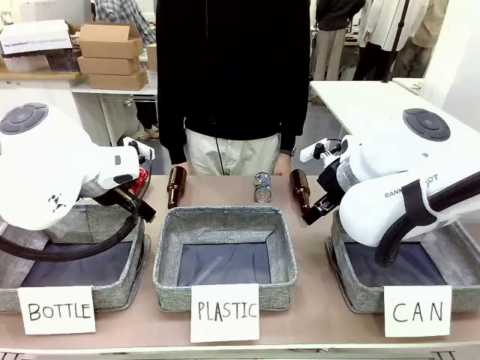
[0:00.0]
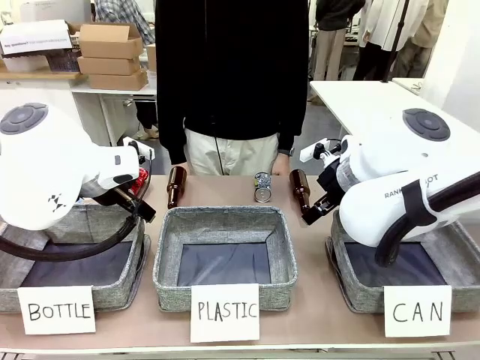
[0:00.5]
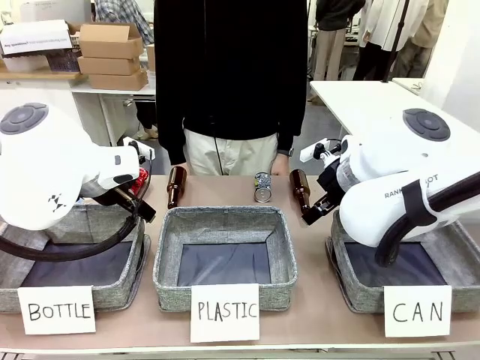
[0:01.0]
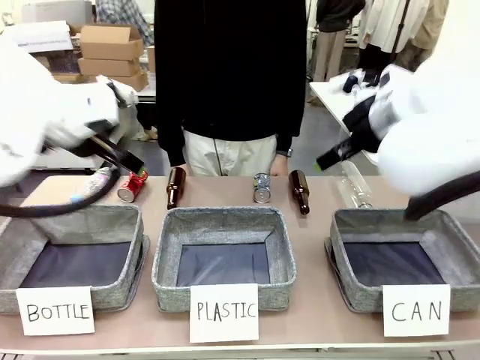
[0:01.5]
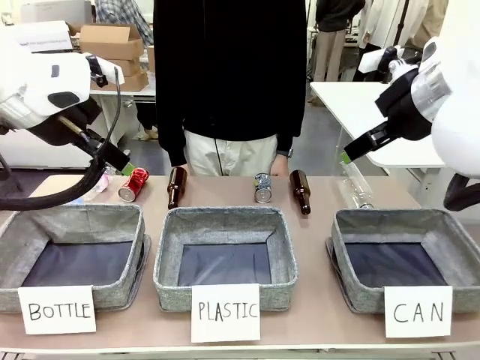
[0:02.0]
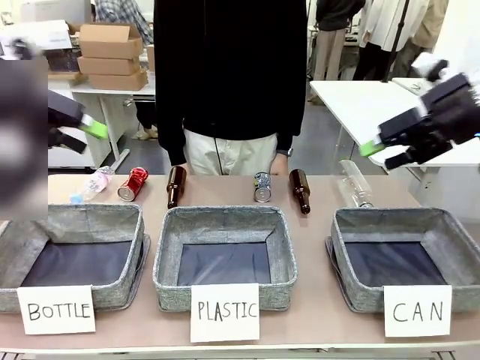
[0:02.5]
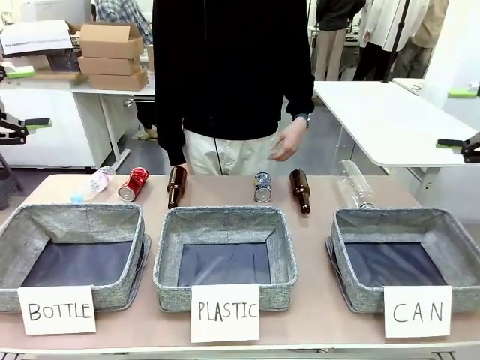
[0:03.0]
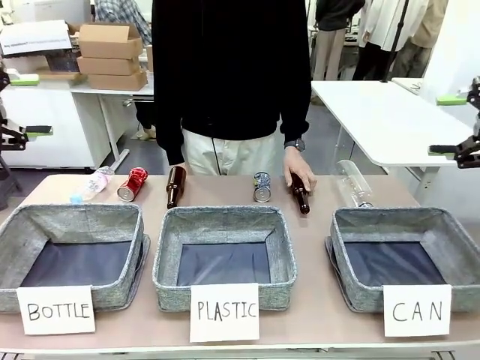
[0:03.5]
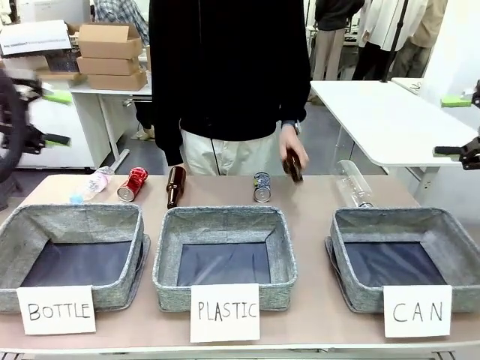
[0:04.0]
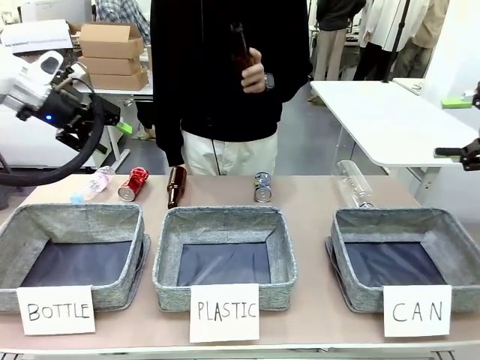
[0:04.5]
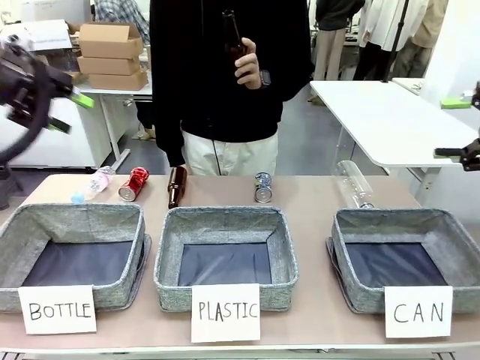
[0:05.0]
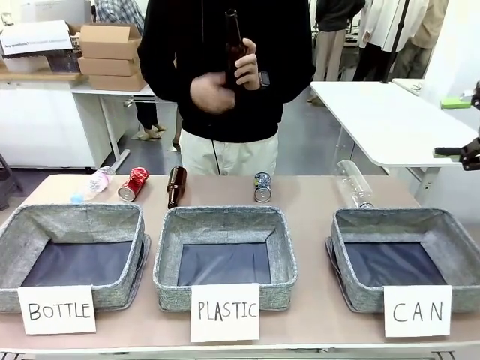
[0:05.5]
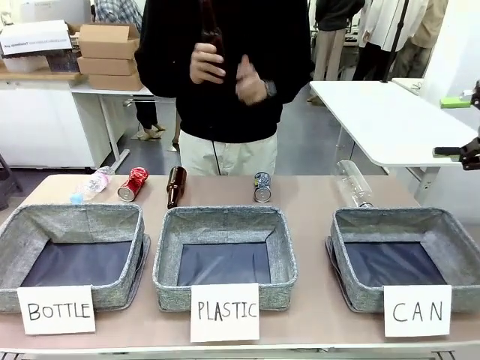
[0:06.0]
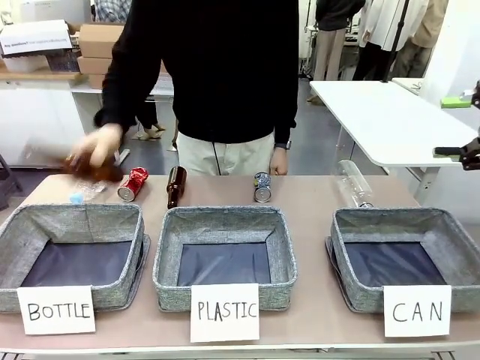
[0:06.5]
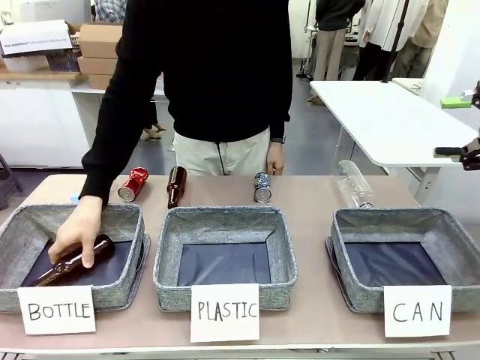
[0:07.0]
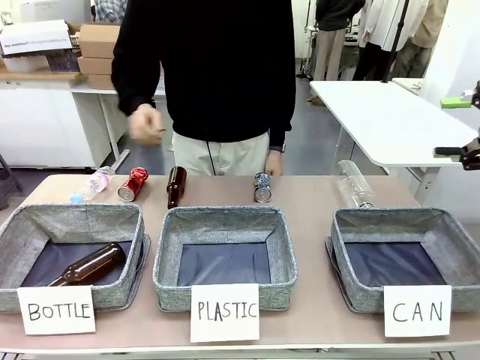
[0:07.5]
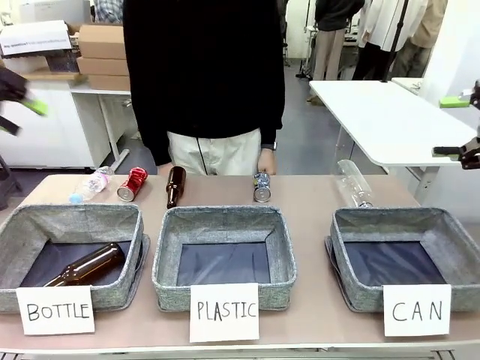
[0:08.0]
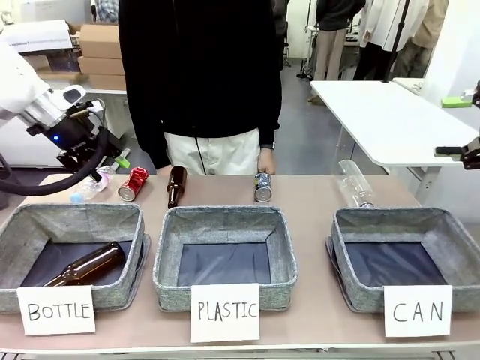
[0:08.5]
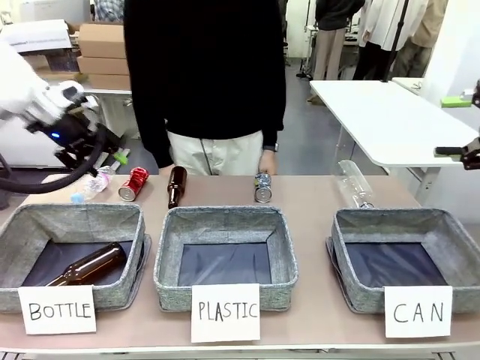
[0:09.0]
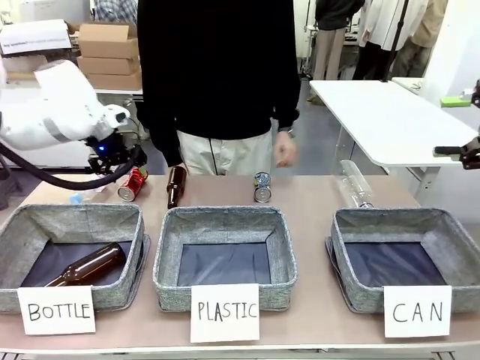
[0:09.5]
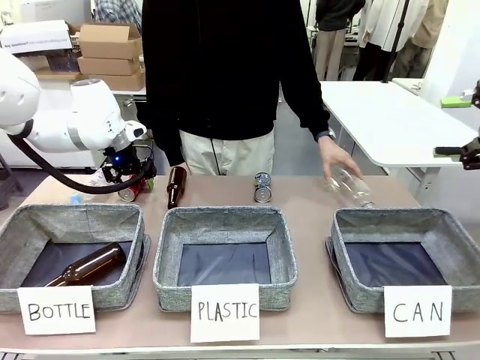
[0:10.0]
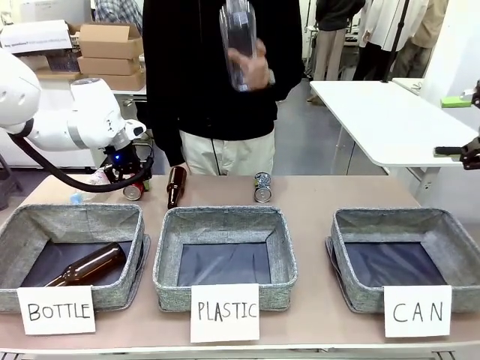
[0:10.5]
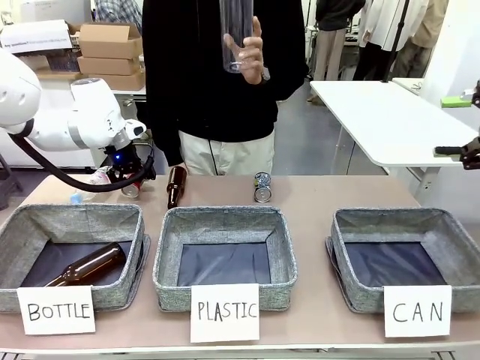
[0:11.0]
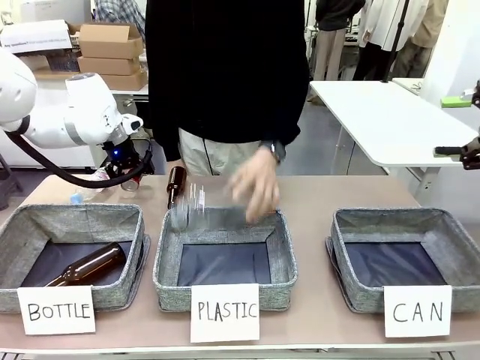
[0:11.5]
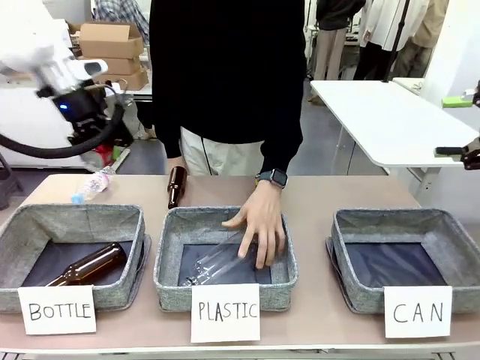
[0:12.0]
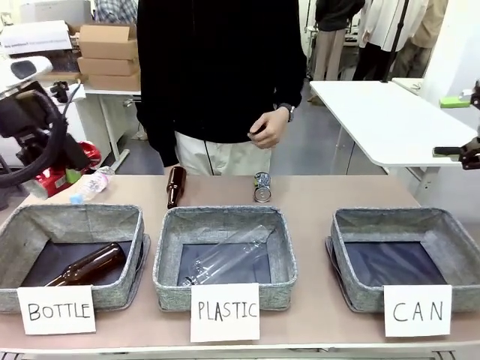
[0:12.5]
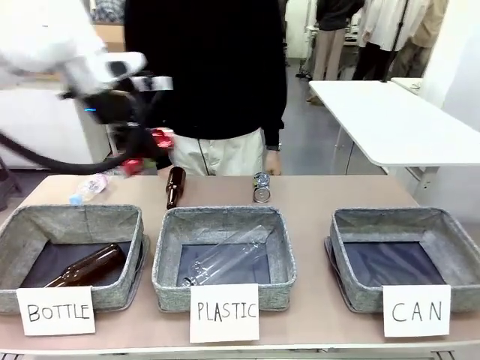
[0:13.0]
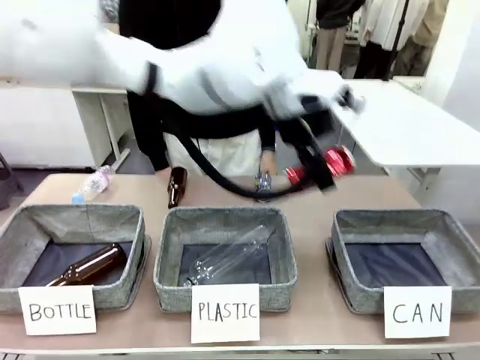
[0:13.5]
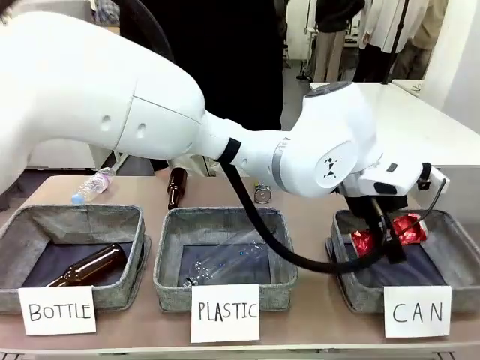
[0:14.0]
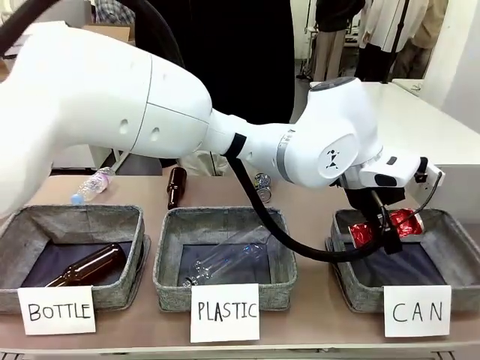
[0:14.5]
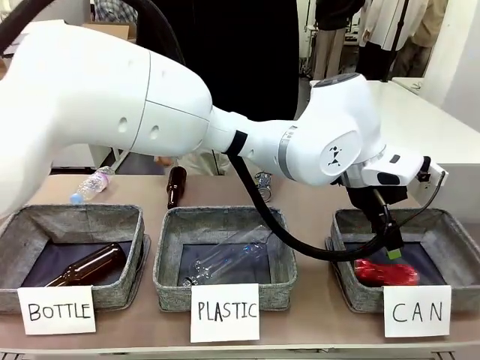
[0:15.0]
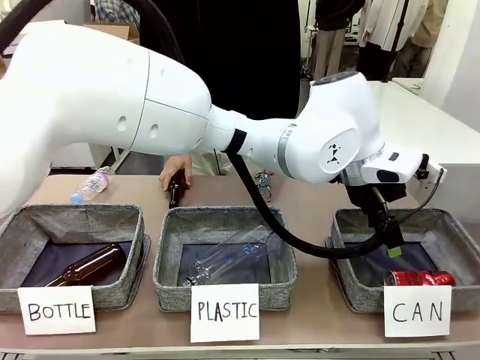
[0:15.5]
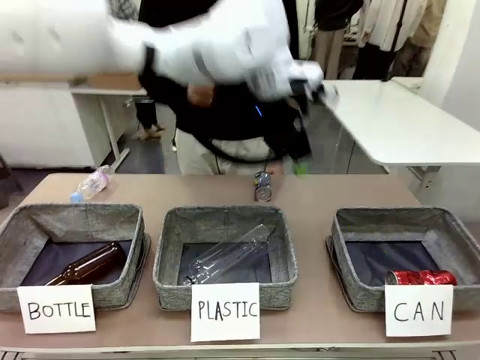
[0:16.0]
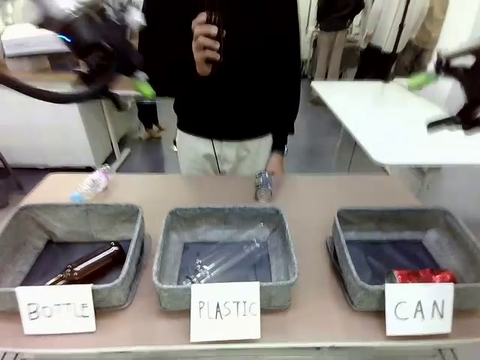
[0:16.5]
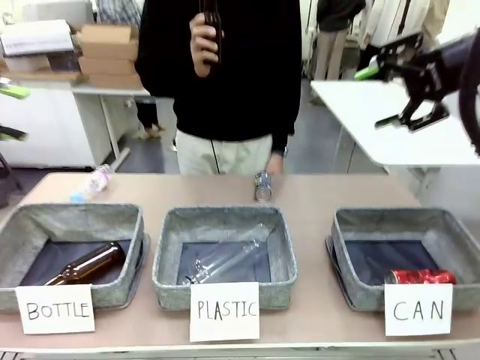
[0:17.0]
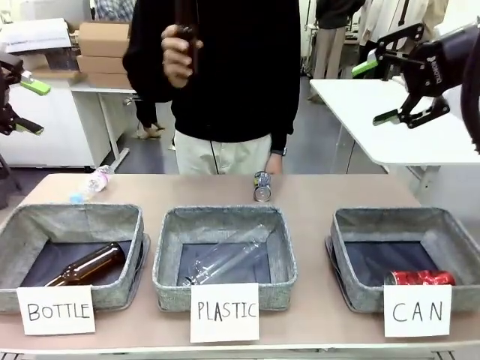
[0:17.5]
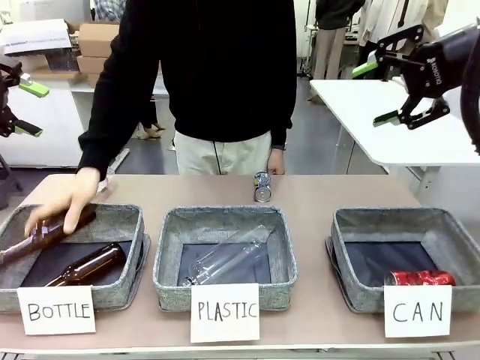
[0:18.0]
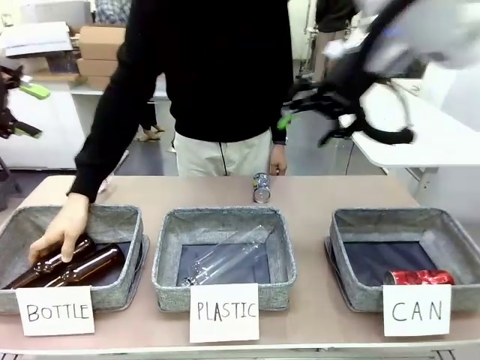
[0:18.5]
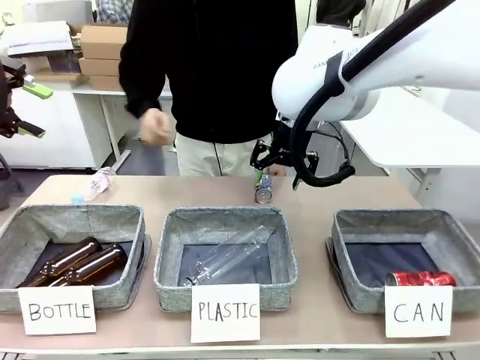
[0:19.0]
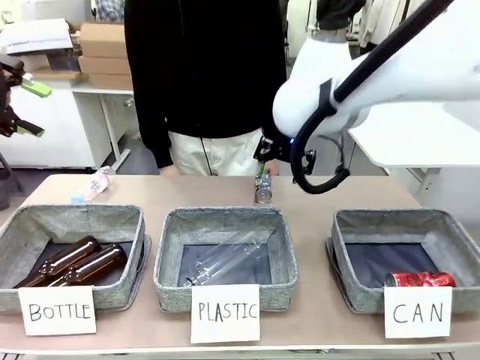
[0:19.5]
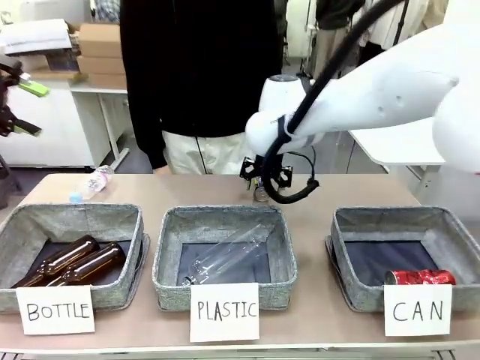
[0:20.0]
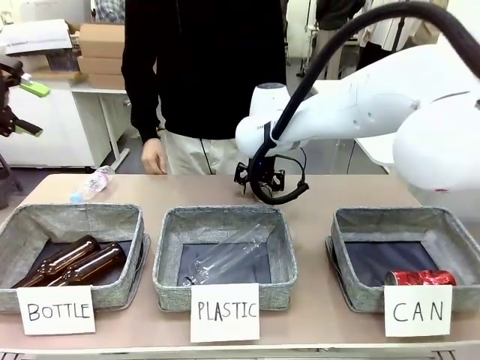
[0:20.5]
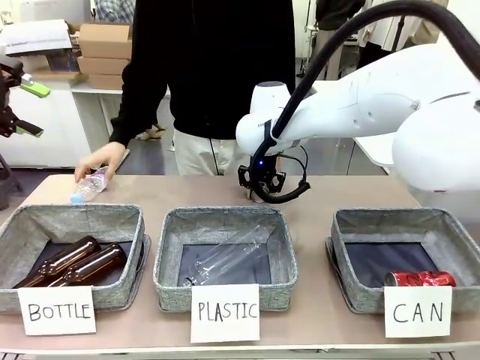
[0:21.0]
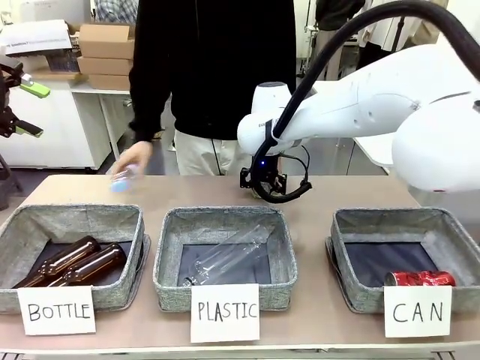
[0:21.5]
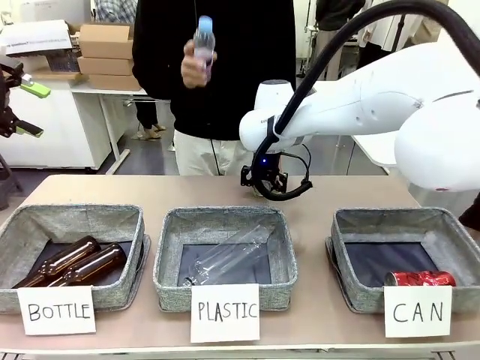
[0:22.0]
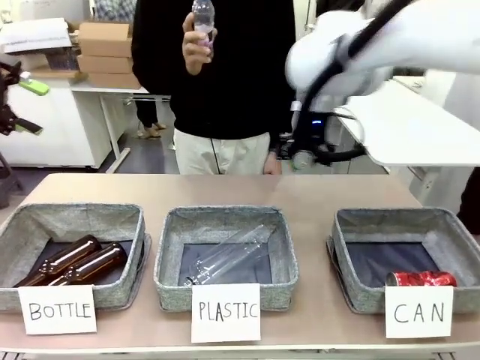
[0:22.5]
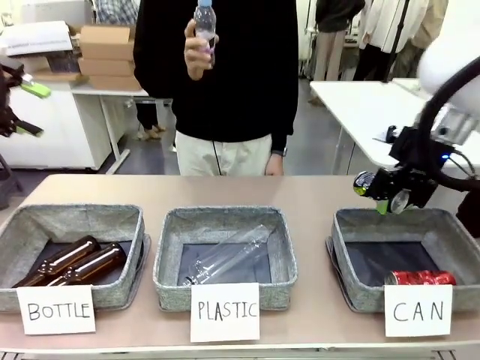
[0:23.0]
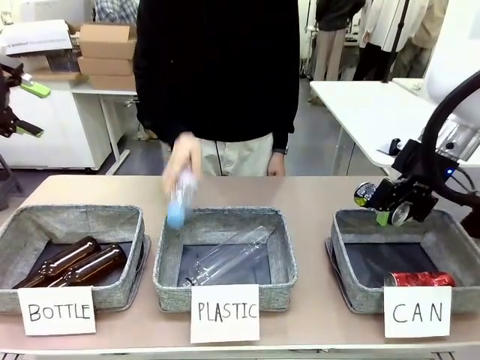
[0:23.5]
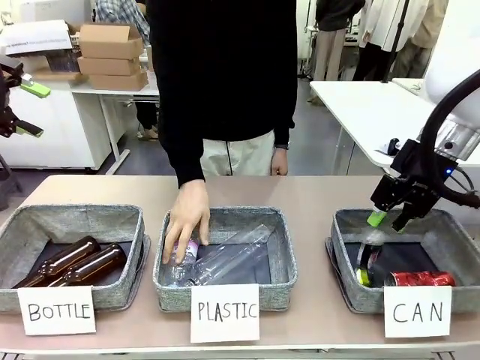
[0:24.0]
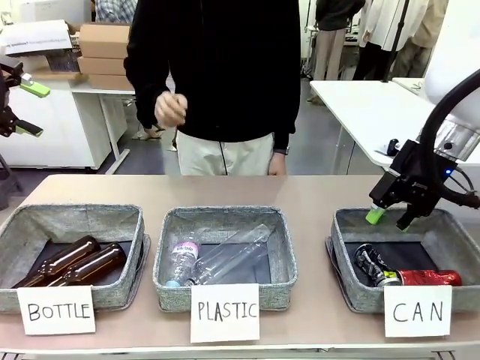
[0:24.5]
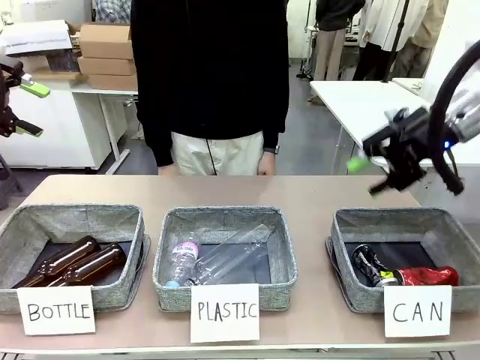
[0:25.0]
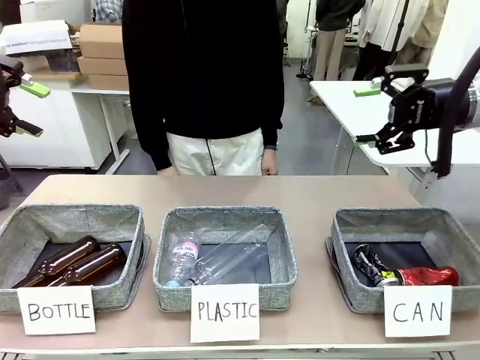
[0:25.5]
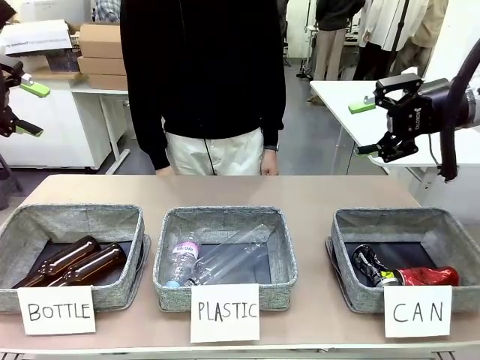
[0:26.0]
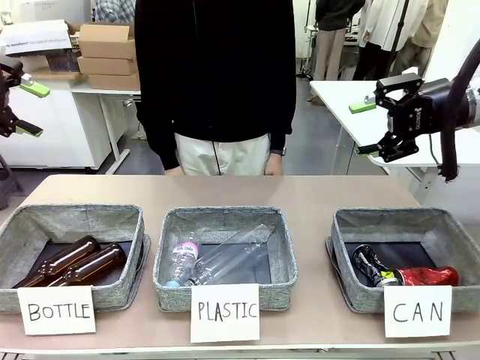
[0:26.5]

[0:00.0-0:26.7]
Task: Sort the can waste into the basket.
Robot: Pick up the can waste from the table and place it in the right Fabric basket.
Person: The human picks up one piece of trash that is not a can and places the trash into the appropriate organizing basket.
